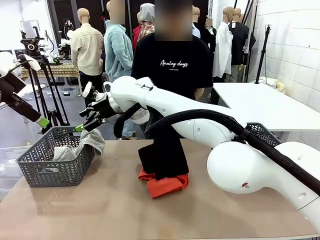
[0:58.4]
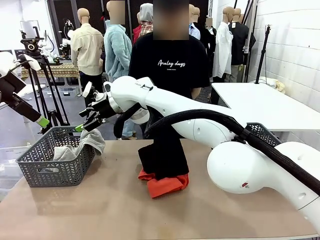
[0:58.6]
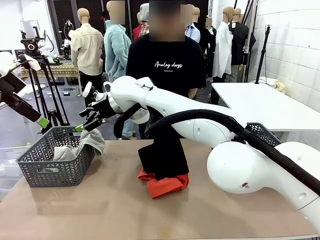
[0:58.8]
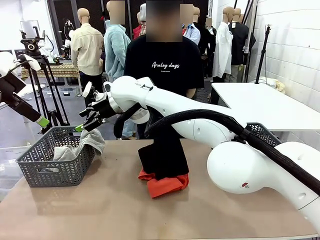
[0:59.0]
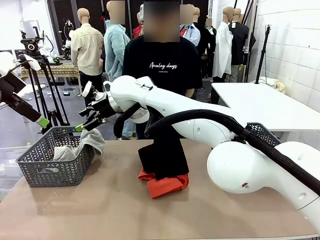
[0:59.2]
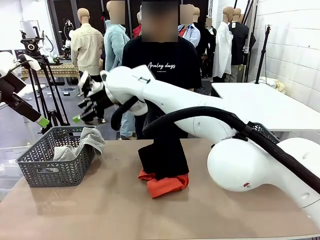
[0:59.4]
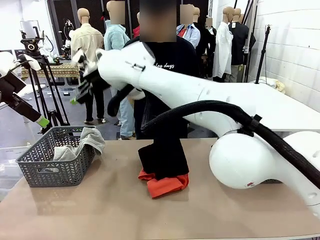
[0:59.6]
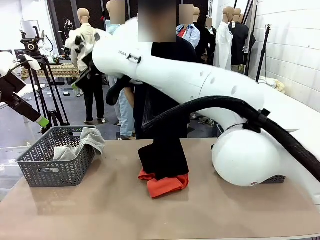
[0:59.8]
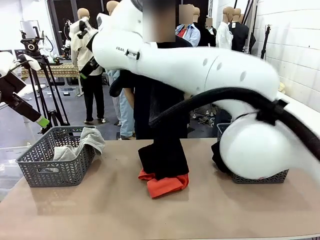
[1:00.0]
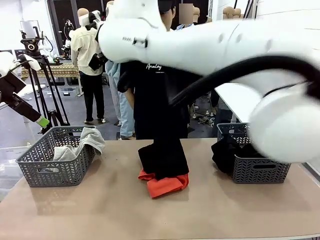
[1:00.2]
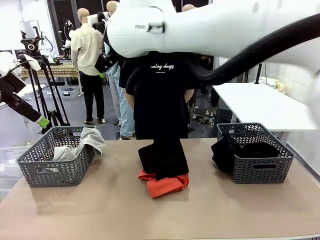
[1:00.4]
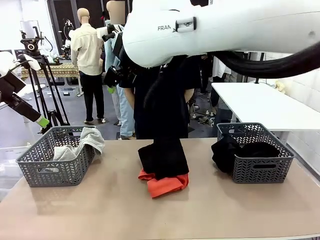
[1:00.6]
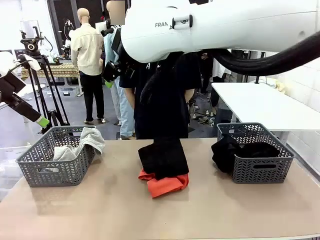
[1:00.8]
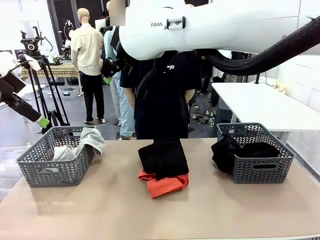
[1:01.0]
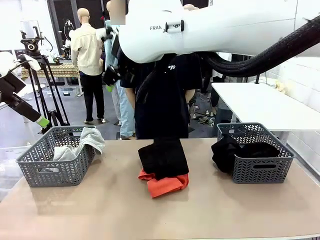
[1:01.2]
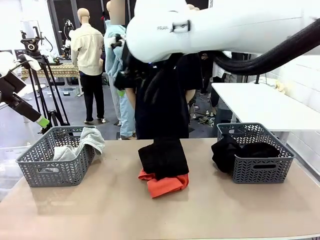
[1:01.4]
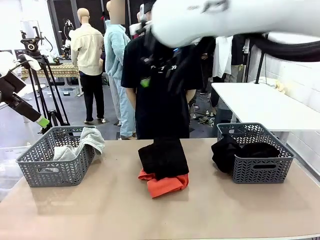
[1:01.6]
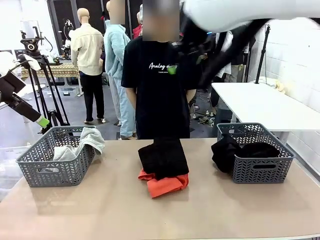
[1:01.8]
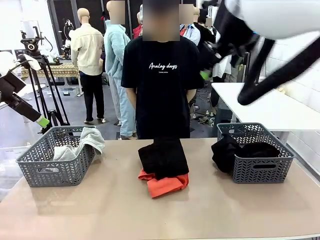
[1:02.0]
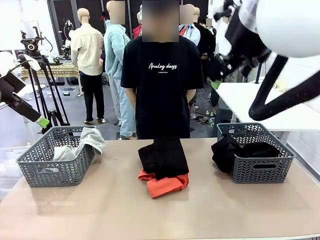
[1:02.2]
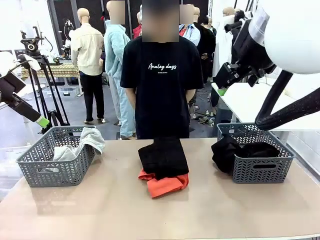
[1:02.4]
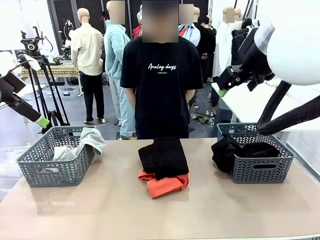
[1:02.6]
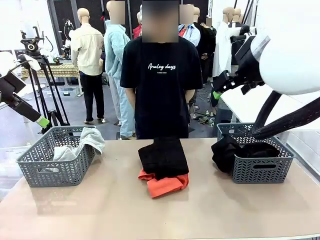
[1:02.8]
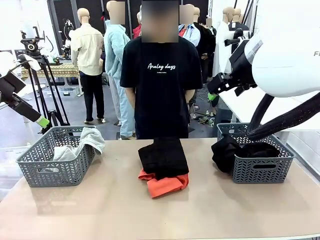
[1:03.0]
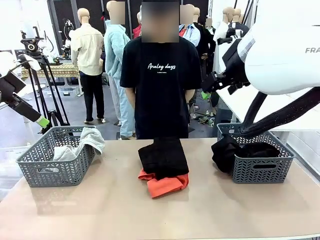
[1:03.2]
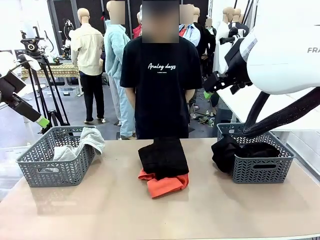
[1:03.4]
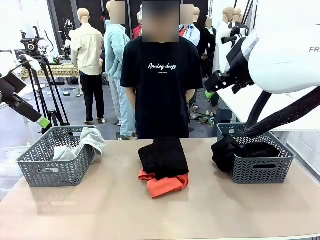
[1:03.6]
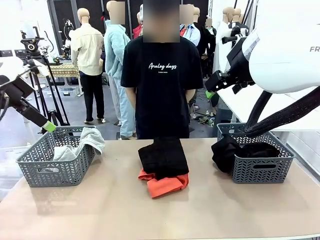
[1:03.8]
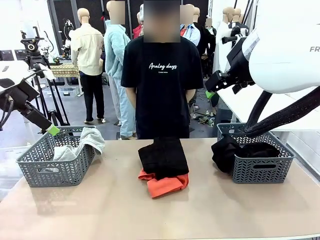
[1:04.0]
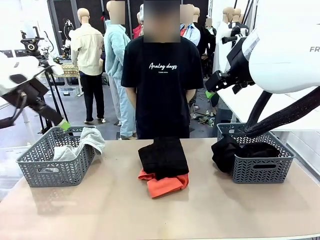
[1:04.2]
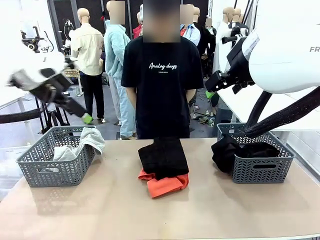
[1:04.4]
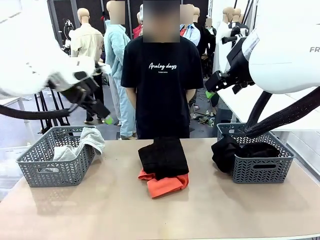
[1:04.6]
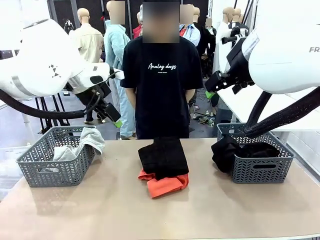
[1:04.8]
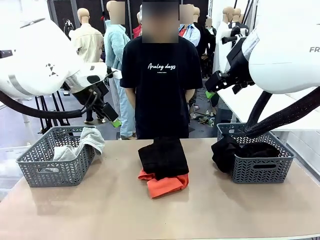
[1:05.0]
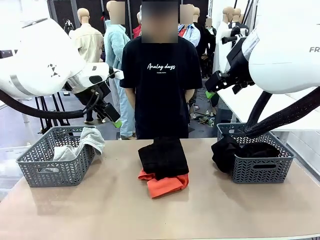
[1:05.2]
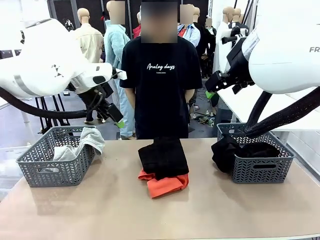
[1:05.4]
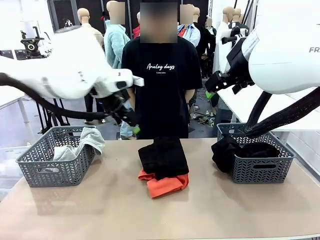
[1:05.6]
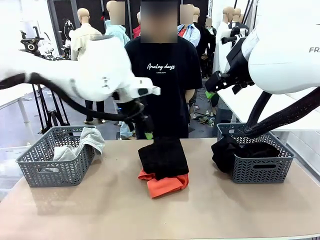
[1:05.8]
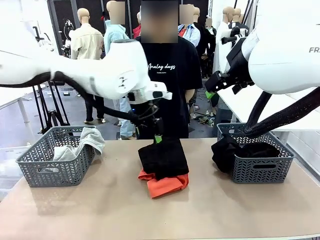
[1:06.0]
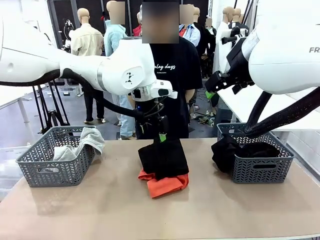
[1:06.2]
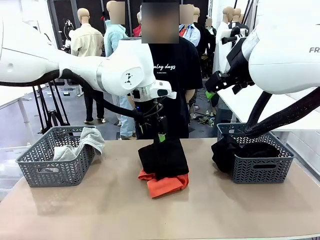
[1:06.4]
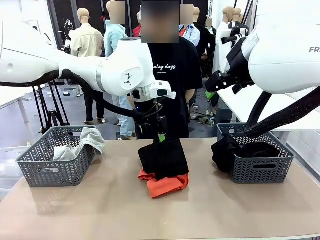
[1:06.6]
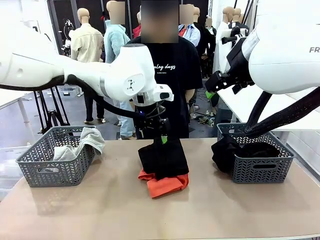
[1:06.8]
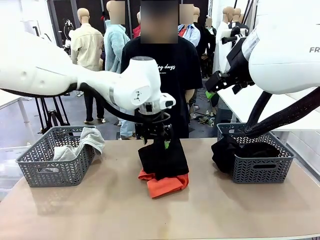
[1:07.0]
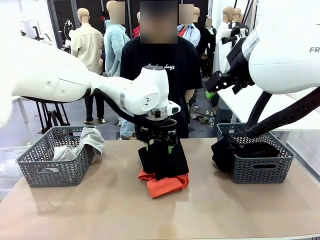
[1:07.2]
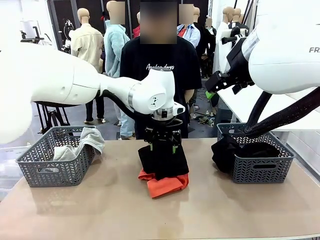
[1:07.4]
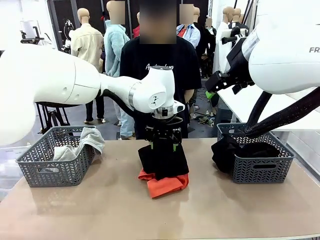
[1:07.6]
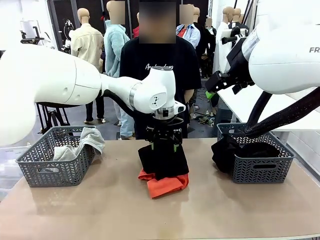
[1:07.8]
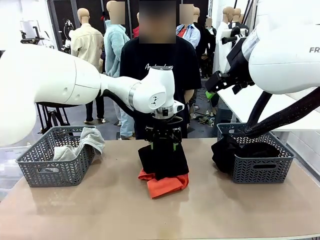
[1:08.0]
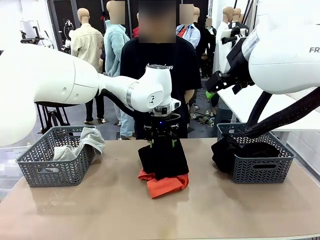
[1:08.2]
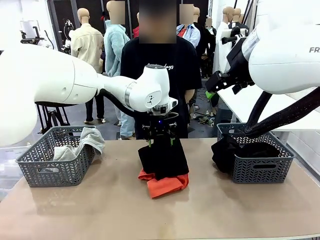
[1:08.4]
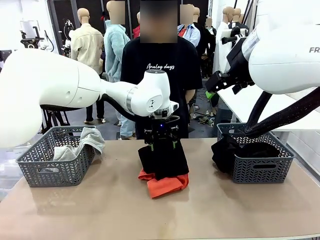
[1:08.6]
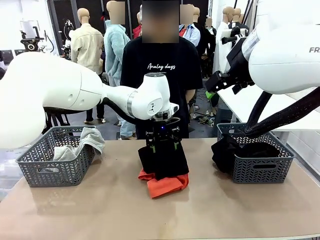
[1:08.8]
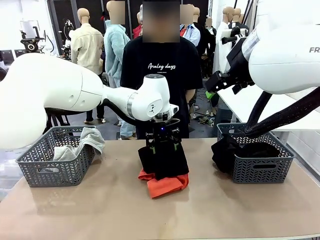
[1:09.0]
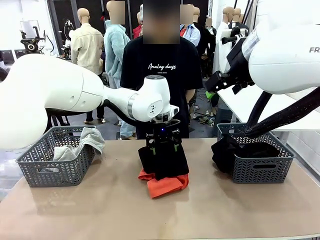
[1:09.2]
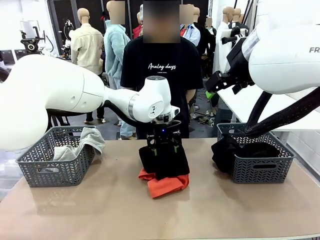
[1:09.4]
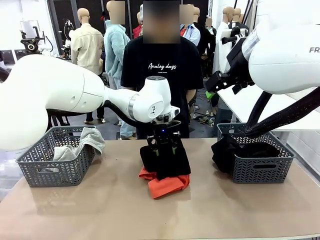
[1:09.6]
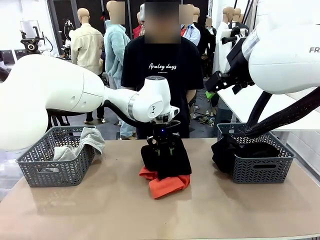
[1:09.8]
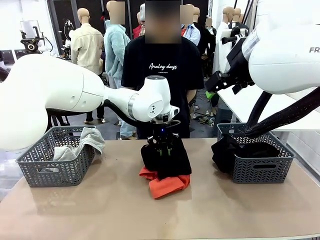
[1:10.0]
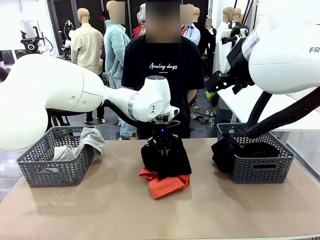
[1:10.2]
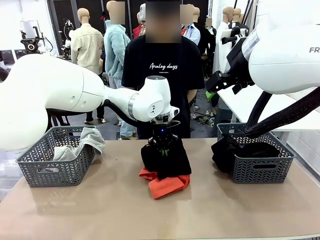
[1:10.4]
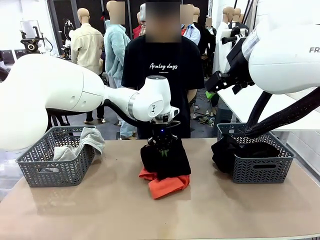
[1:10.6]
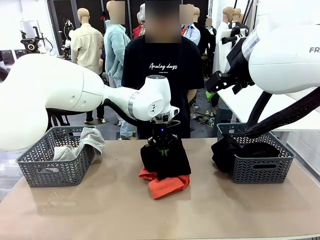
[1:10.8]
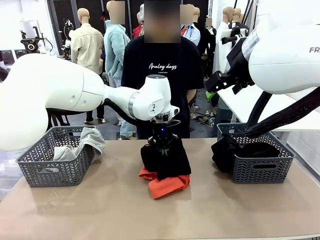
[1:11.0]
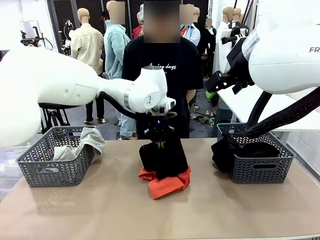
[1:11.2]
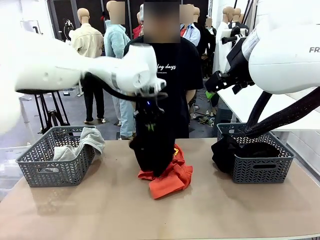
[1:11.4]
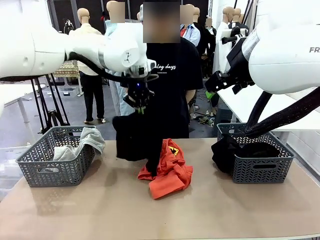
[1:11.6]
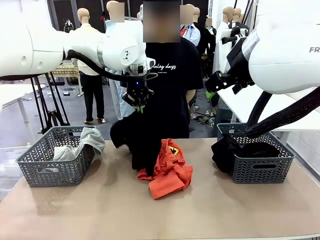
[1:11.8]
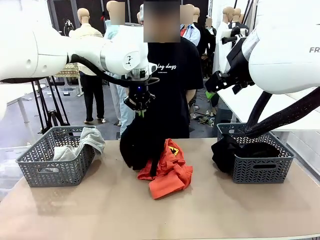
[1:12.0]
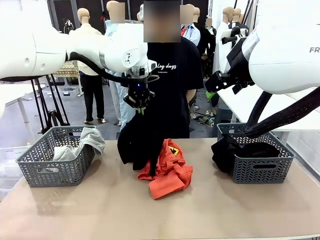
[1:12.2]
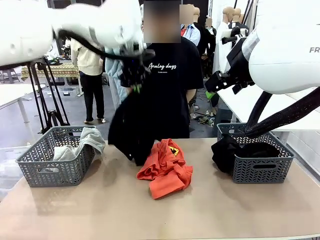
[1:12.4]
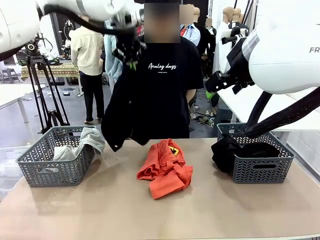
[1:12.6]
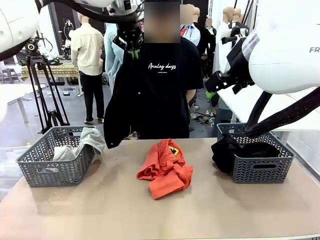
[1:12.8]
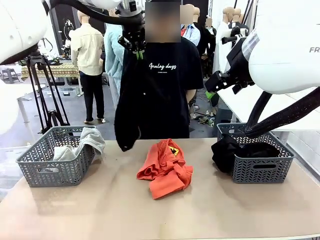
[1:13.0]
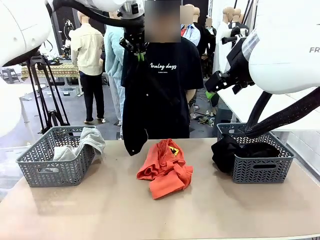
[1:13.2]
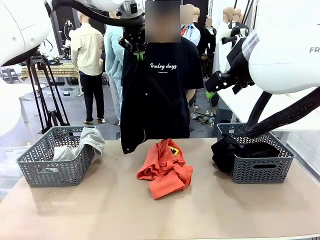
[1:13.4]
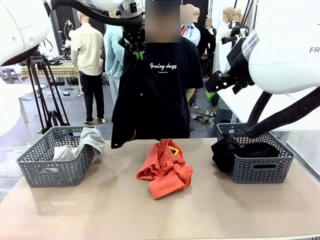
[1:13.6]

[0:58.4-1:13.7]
Task: Sort the tops and bottoms.
Robot: Lift clothes from the center of the table with your left hand.

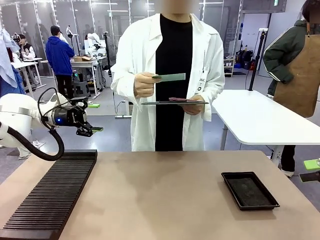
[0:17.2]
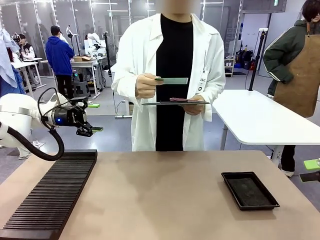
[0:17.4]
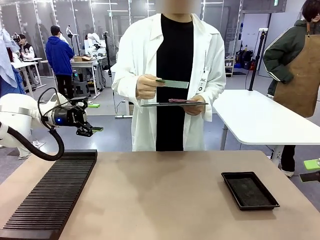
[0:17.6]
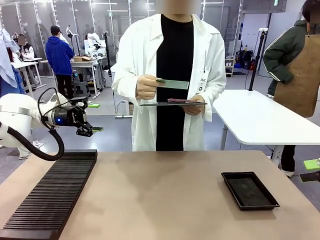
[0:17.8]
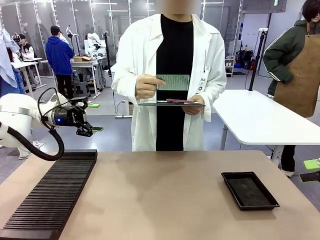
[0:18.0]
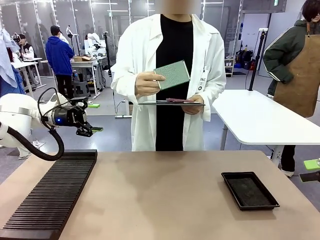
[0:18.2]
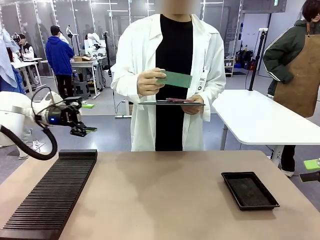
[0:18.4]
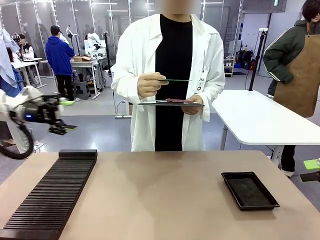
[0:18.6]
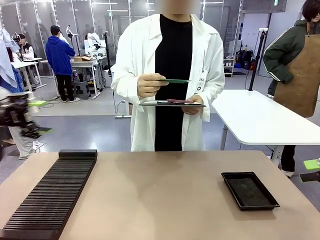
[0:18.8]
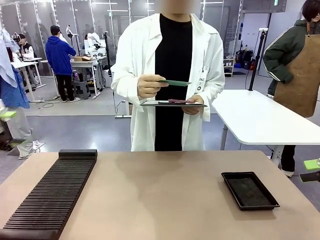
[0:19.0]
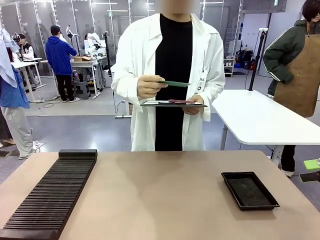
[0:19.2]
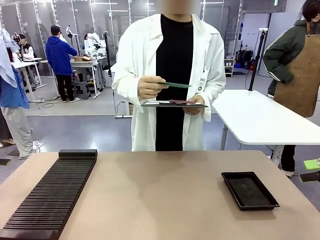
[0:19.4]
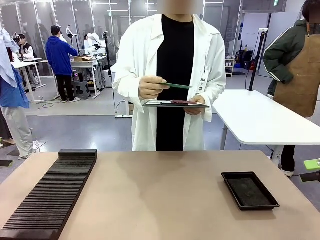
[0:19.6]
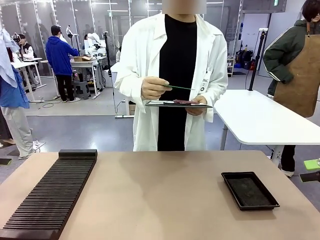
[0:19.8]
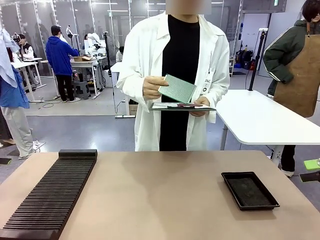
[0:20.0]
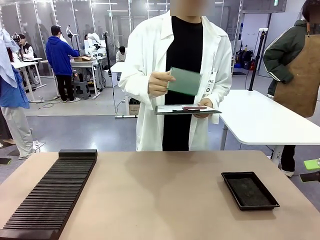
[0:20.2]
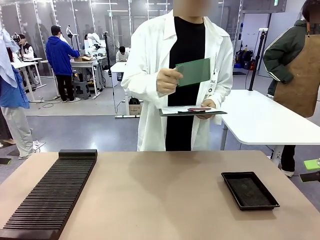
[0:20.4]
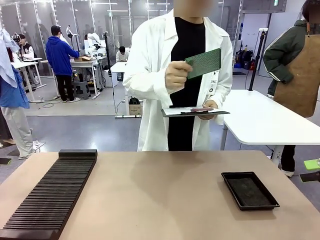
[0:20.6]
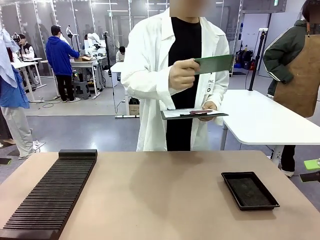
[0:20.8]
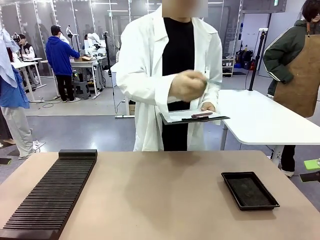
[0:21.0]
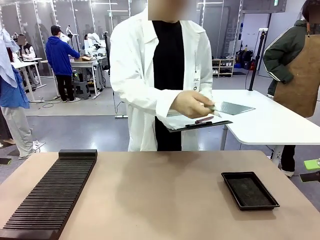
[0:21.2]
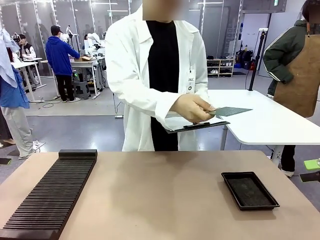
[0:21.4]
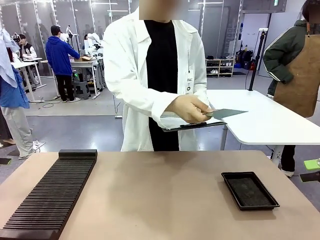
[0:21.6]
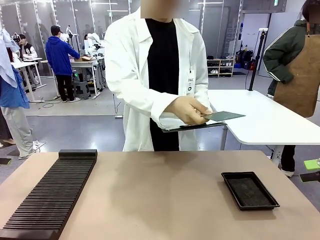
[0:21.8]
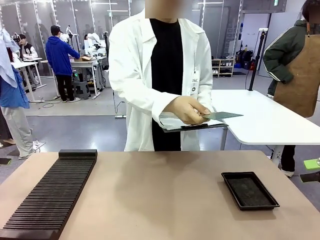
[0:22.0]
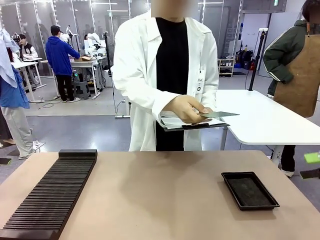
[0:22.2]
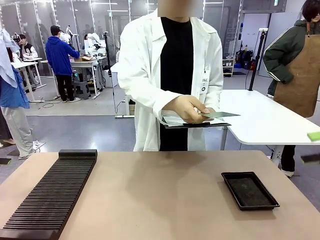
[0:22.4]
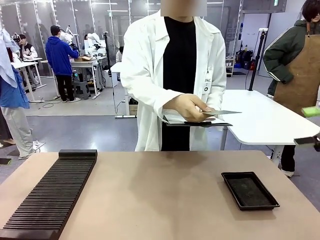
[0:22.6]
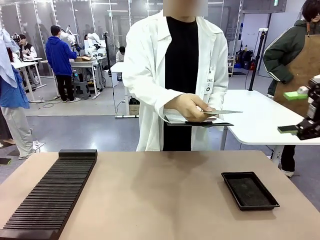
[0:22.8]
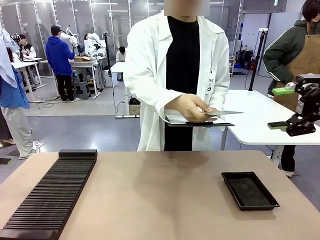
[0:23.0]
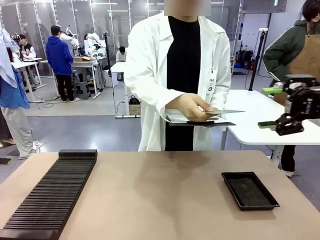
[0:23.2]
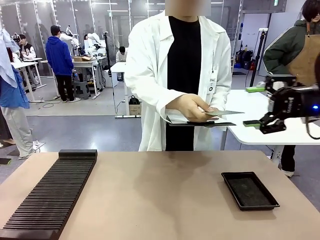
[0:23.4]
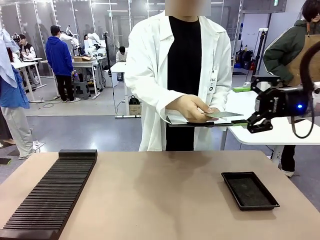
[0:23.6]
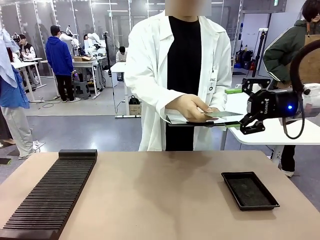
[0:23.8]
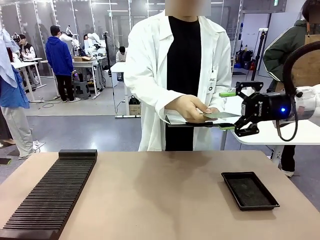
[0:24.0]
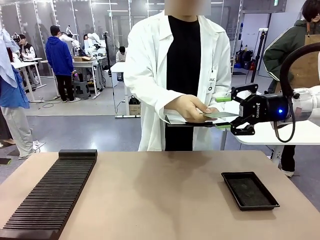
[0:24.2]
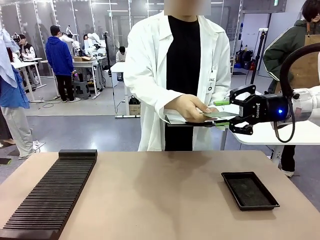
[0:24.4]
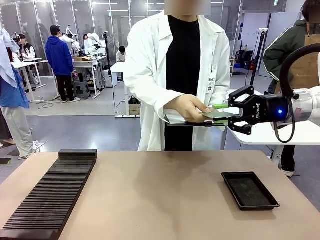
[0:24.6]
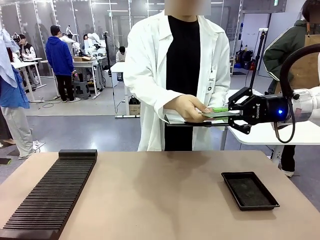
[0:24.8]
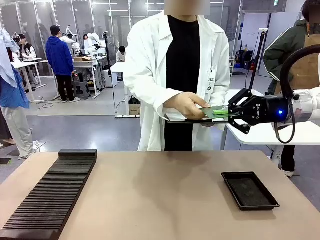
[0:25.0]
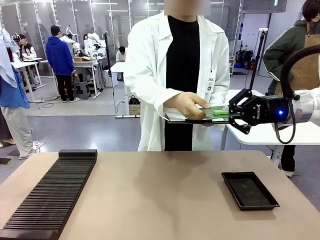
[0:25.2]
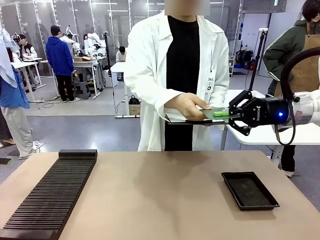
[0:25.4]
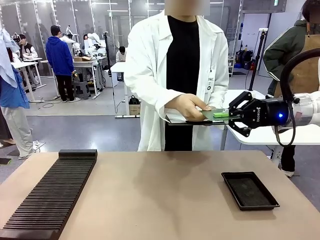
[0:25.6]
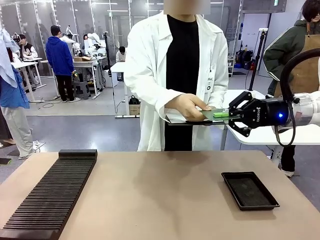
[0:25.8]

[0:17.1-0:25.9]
Task: Inspect the PCB.
Robot: Pick up the Blank PCB that the human is holding.
Person: Inspect the PCB placed by the robot, then hold it out in front of the robot. Release the PCB you were holding.
